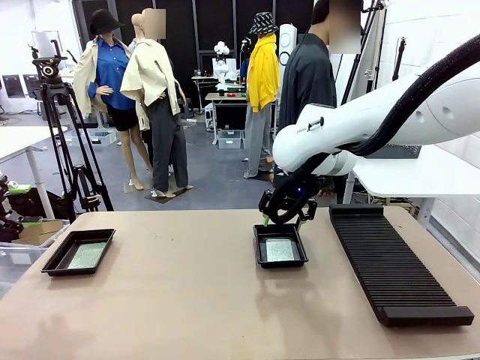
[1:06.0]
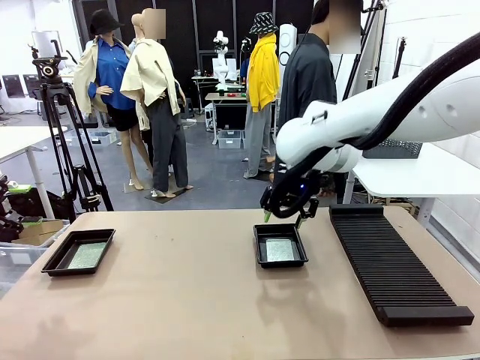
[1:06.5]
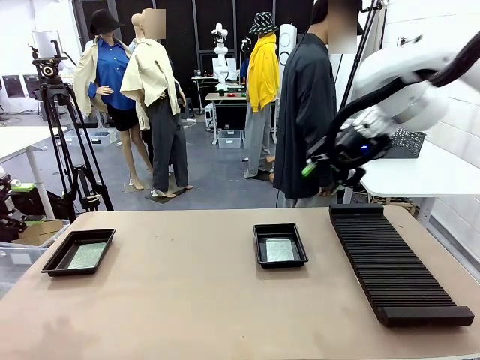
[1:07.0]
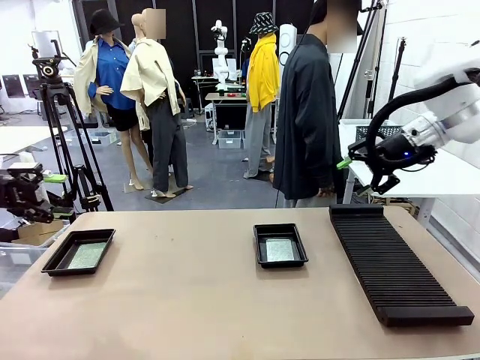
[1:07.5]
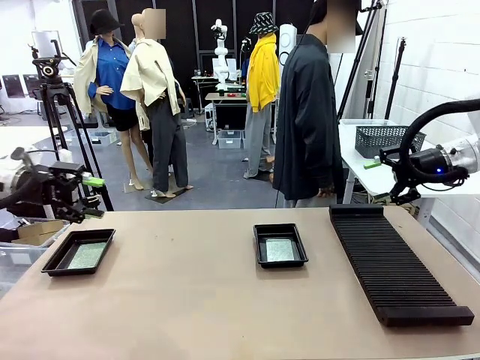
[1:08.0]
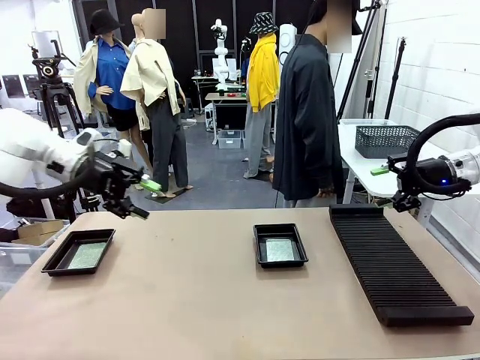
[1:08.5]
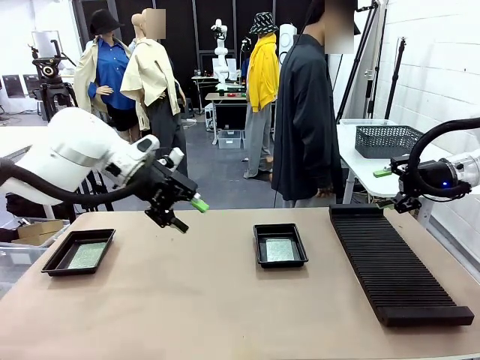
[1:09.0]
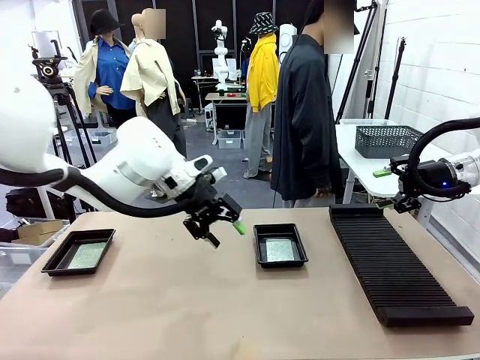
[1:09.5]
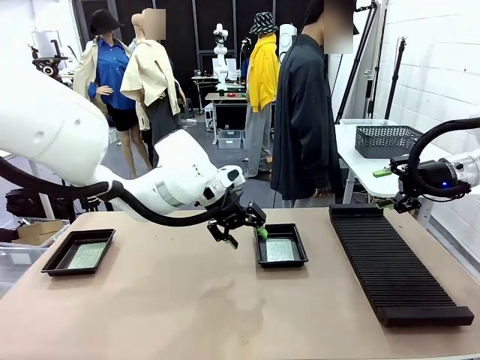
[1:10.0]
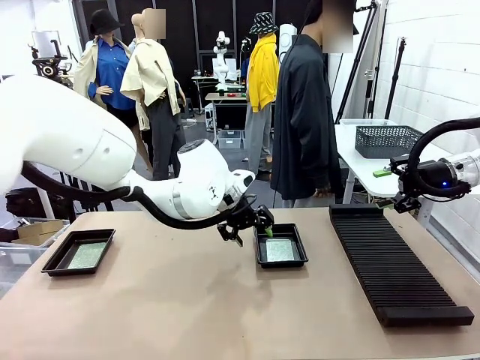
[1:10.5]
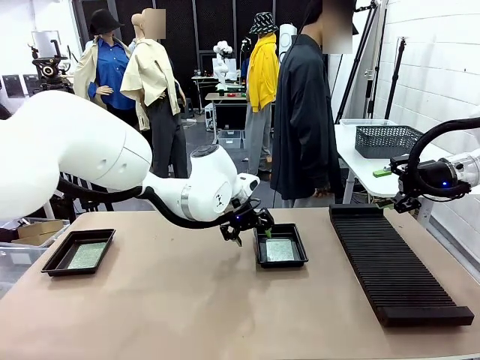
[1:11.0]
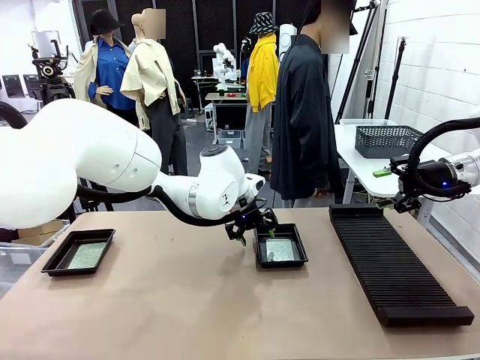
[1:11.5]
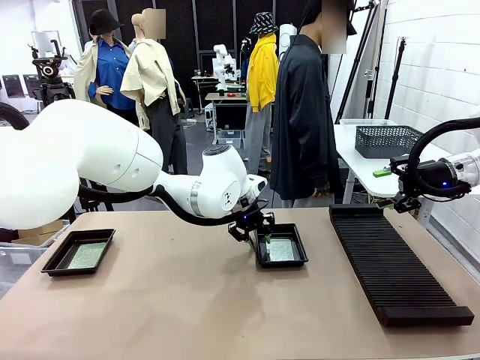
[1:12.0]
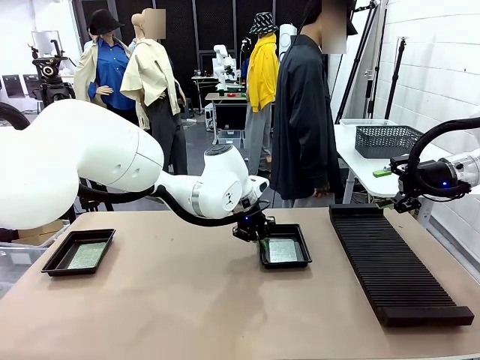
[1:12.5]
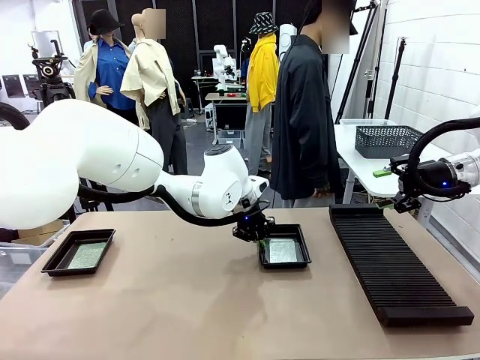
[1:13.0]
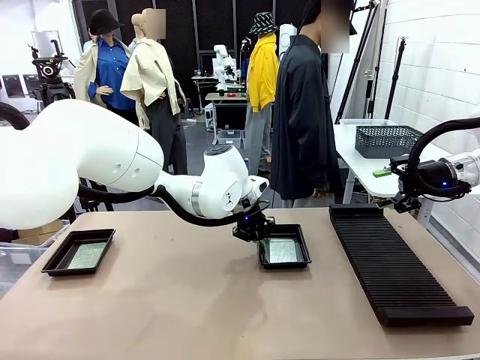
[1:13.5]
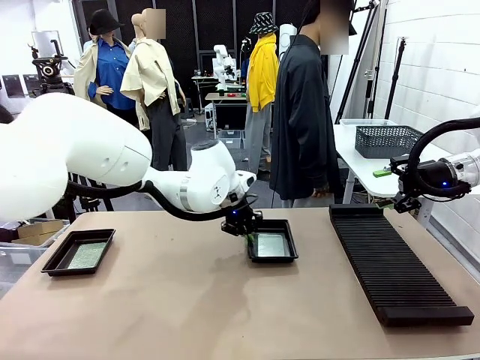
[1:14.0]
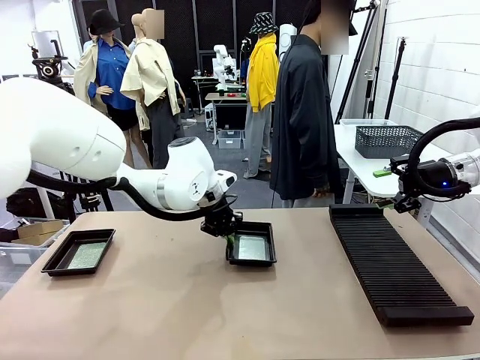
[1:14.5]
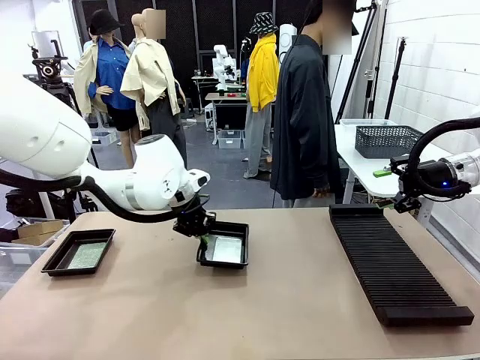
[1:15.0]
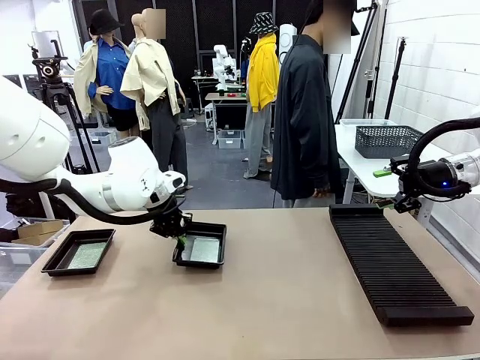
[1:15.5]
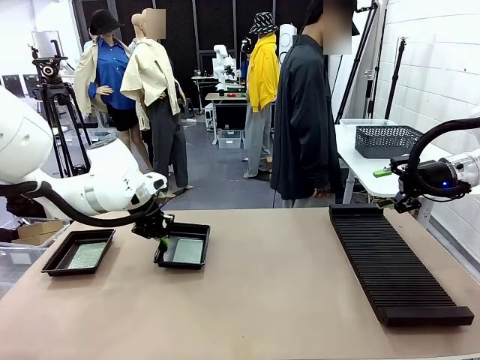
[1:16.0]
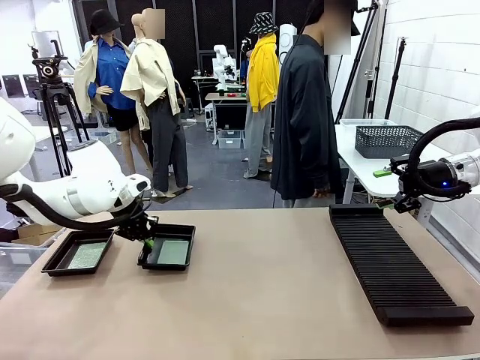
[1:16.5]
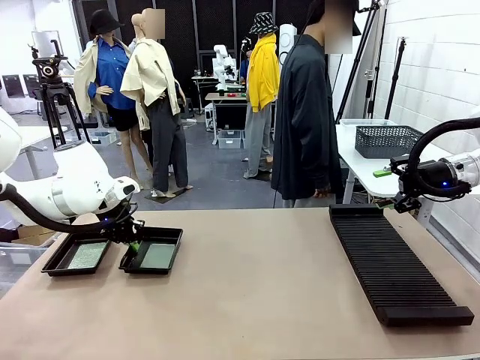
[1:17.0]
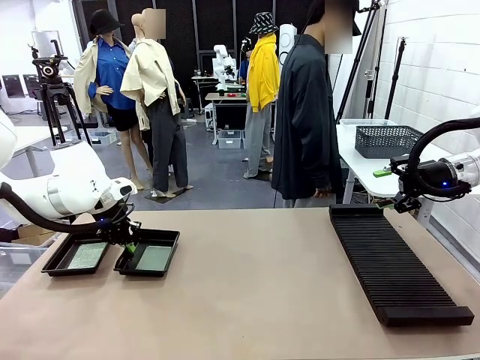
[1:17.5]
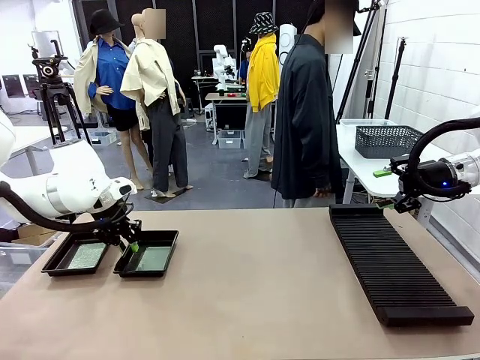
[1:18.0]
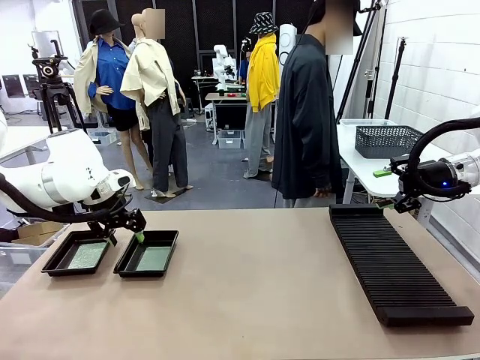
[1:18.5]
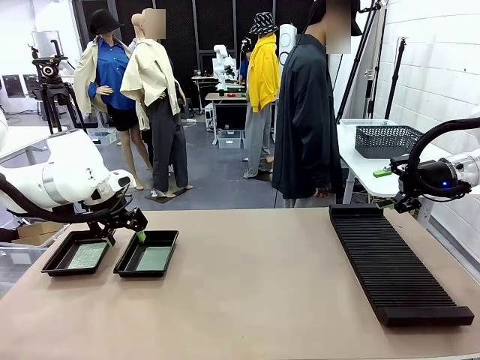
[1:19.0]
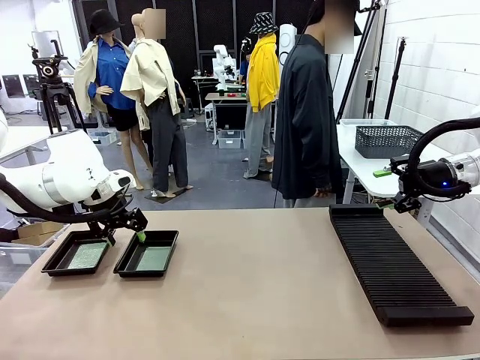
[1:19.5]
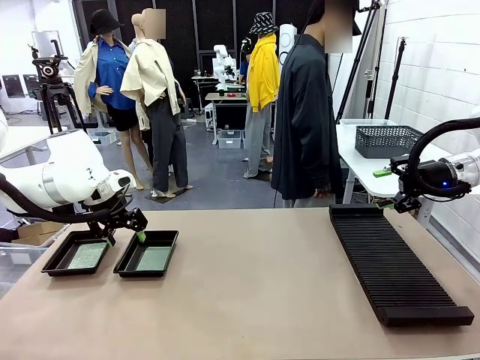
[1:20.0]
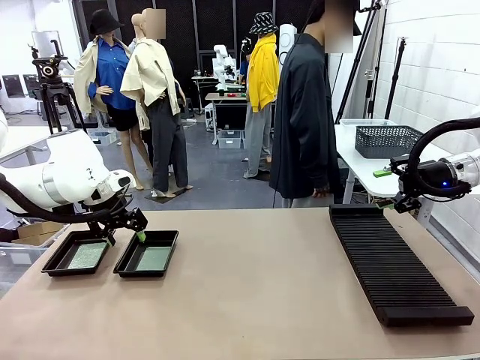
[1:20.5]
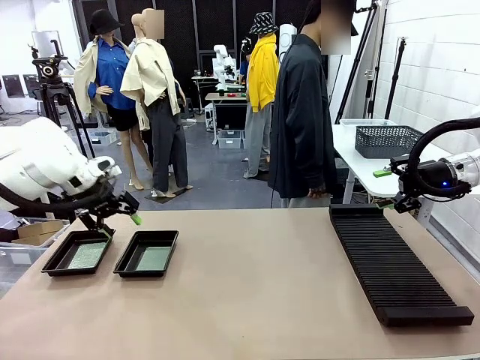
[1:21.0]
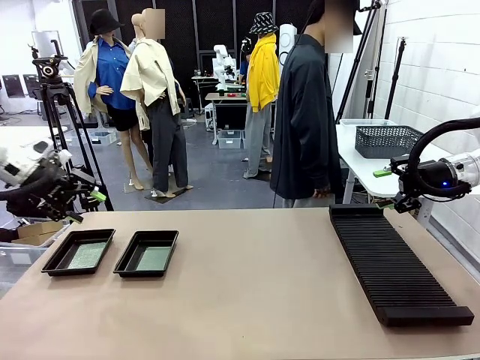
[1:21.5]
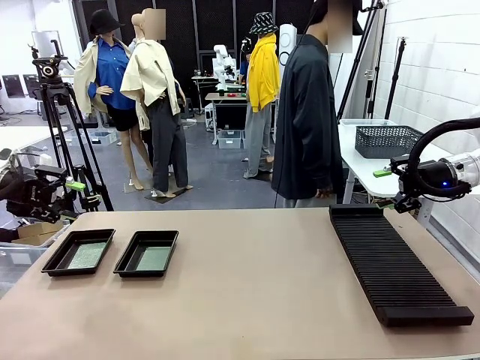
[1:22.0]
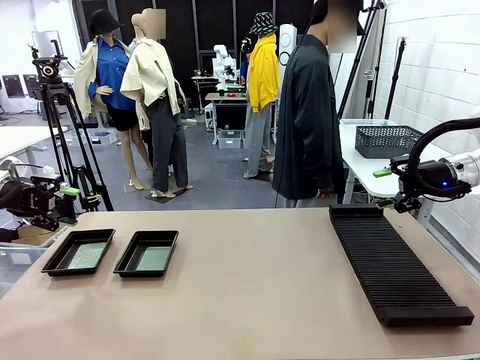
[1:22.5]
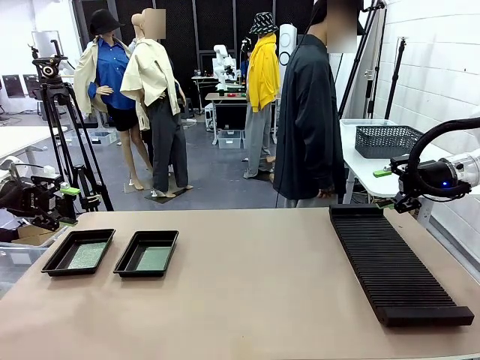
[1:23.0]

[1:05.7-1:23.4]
Task: Inspect and transfer BCBs to ESD trays.
Robot: Pick up the ESD tray and place it on the left side of the table.

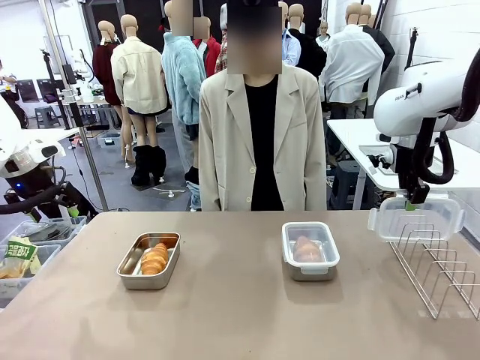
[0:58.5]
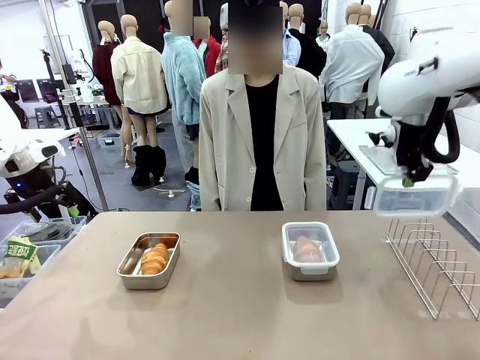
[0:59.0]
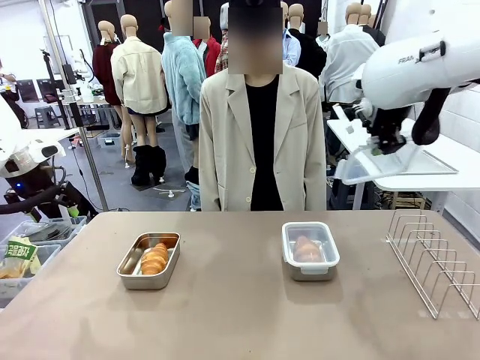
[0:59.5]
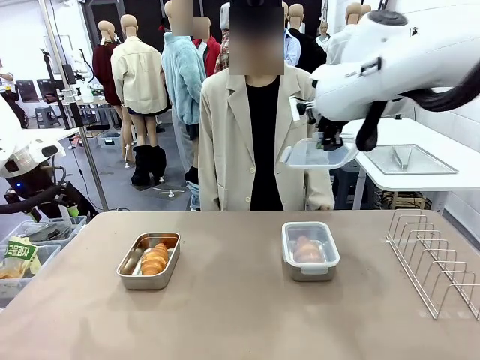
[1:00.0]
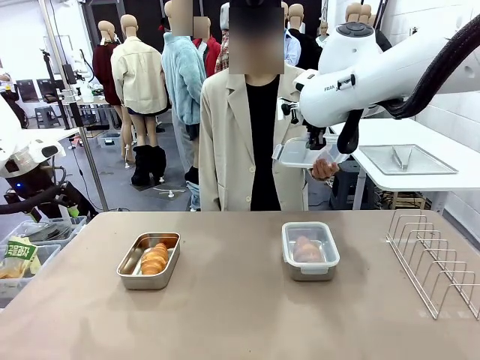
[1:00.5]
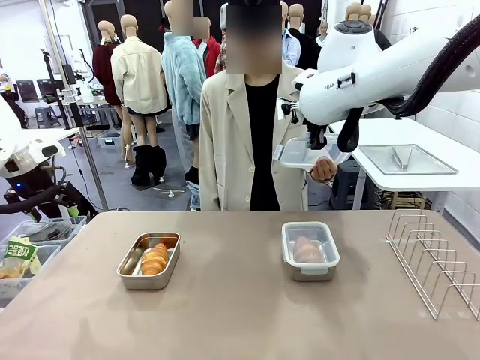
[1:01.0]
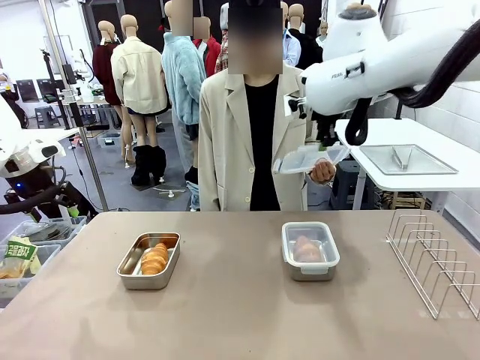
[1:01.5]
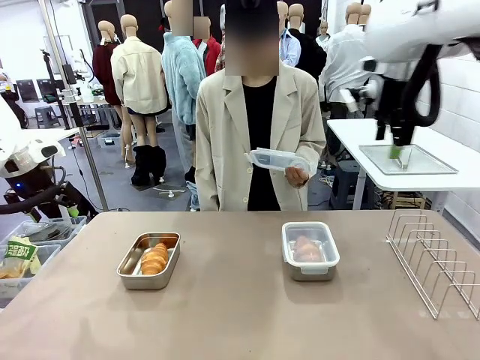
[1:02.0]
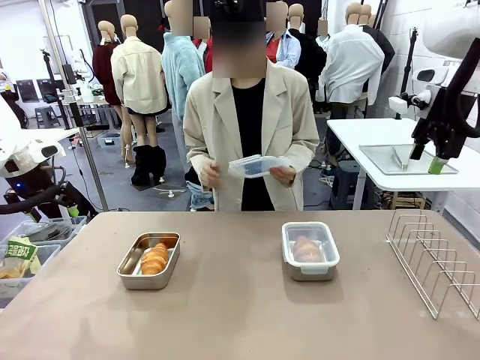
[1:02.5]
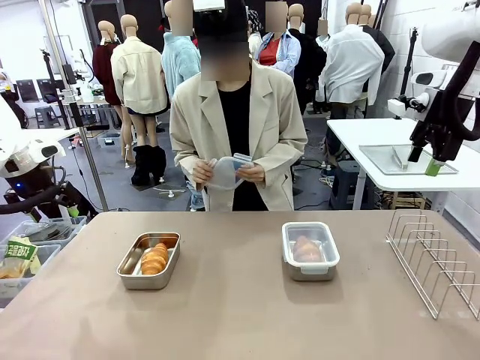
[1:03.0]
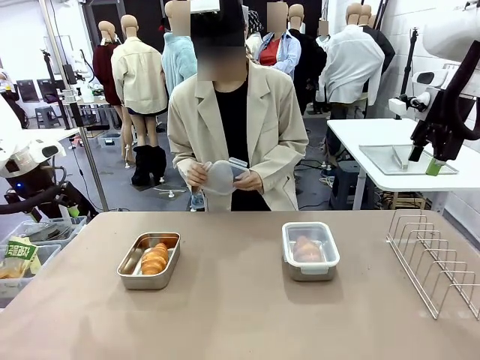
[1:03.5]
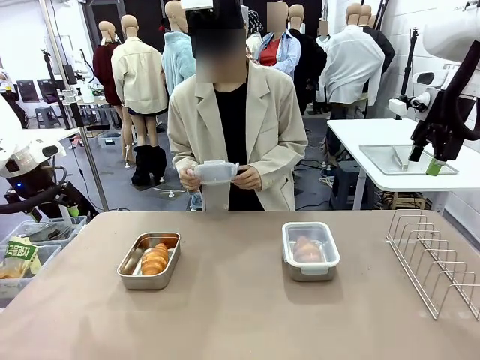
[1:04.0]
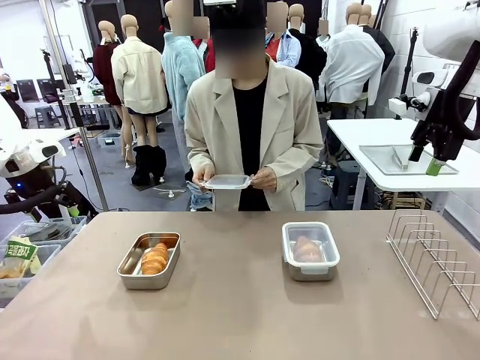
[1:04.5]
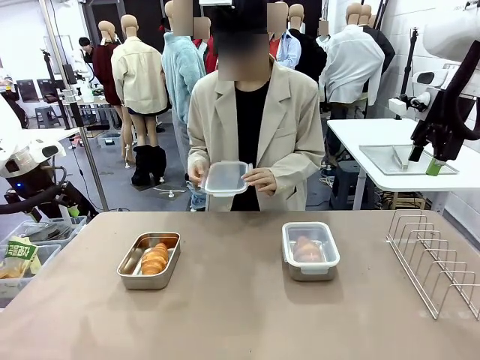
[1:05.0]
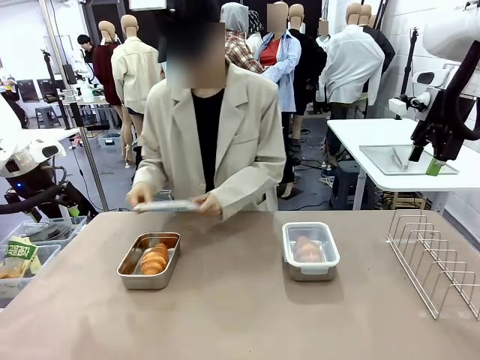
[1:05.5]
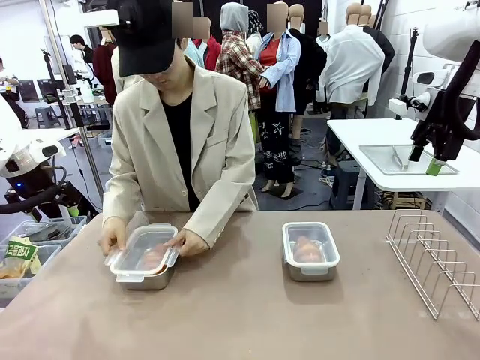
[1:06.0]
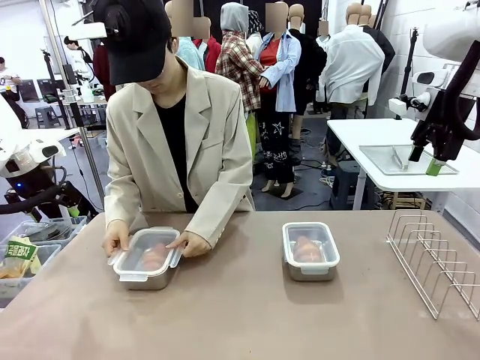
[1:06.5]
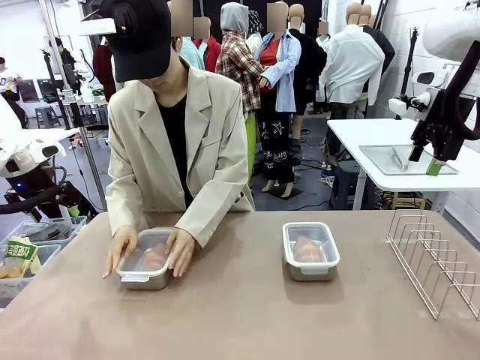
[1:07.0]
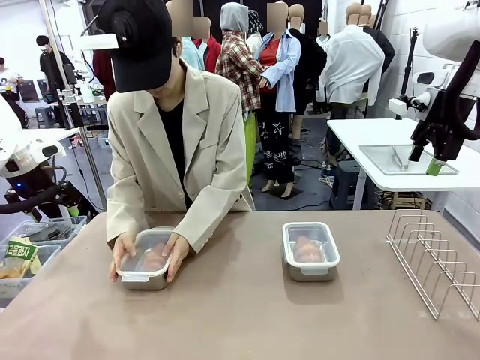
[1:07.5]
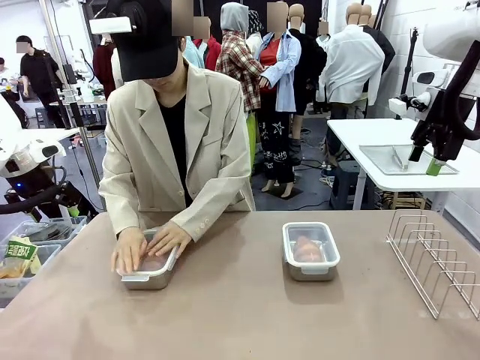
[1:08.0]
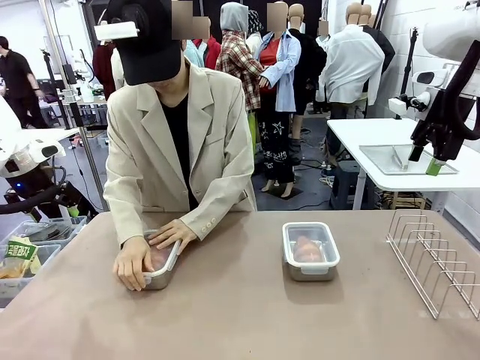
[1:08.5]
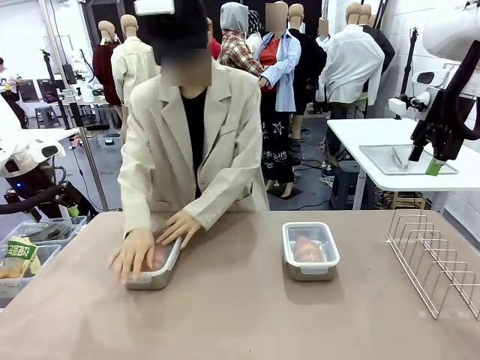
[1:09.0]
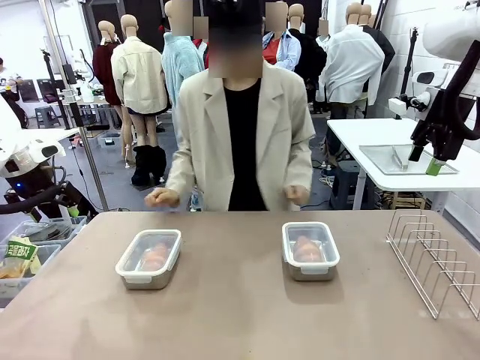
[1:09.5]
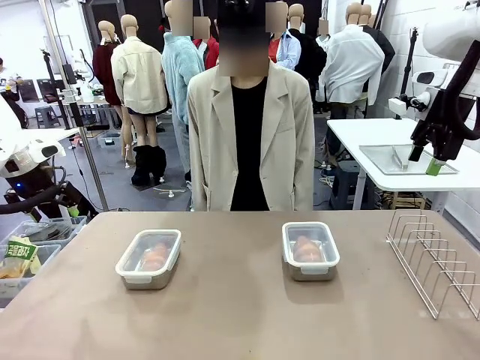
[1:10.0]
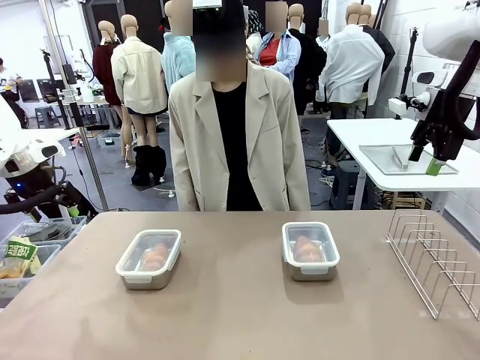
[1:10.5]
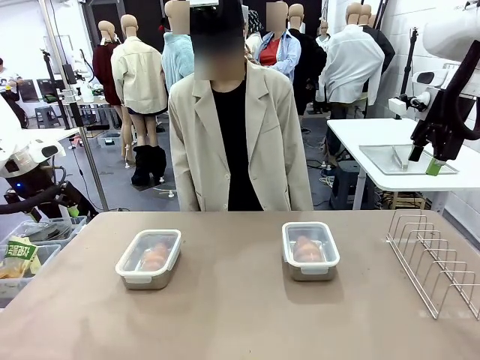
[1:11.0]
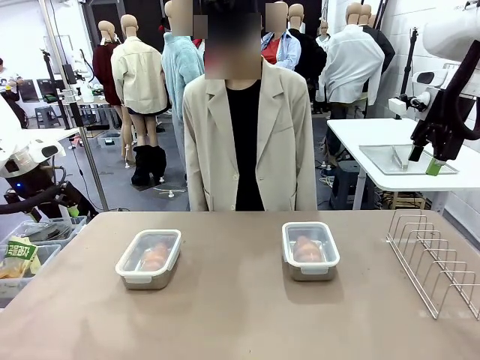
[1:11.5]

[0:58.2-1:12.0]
Task: Place the bread in airtight containers.
Robot: Release when the human grabs the Airtight Container lid.
Person: Grip Airtight Container lid that robot is handing. Close Airtight Container with a handed Airtight Container lid.
